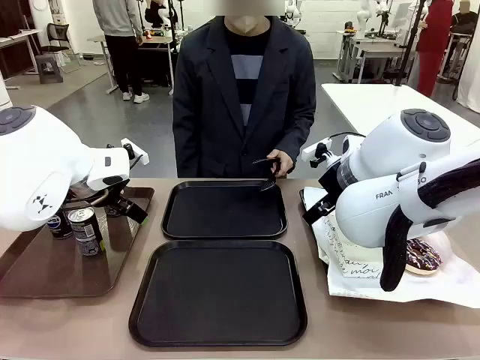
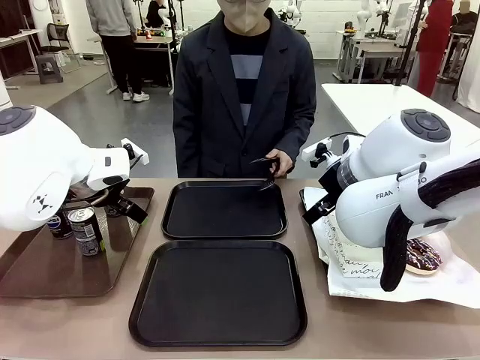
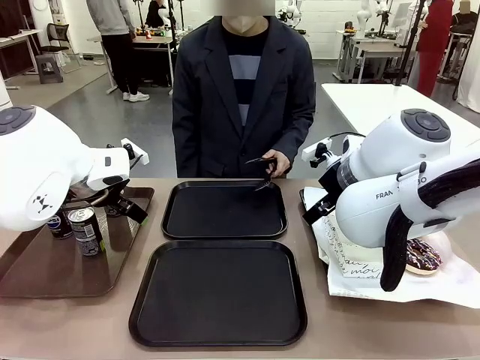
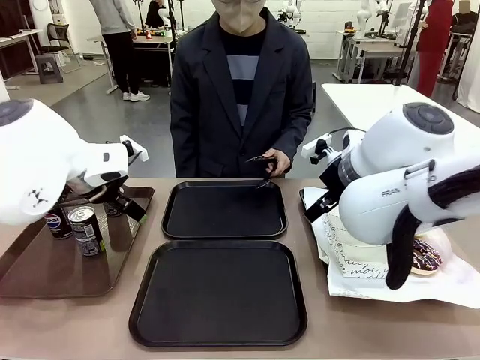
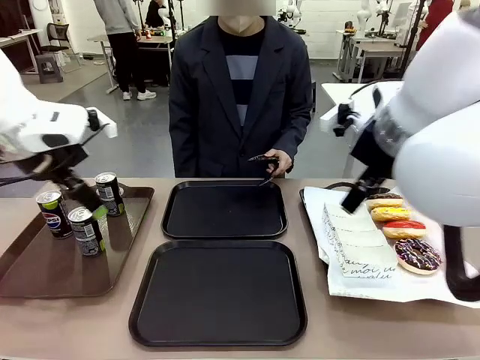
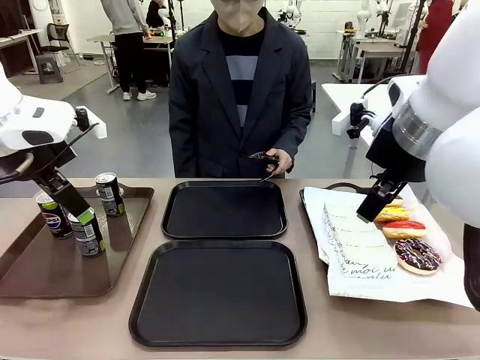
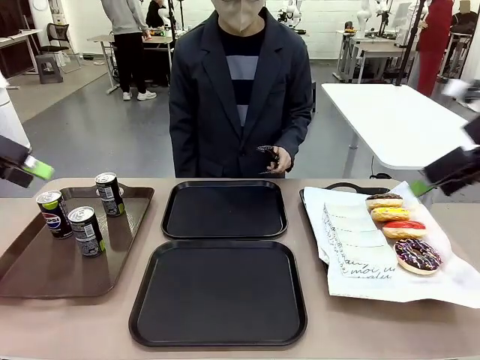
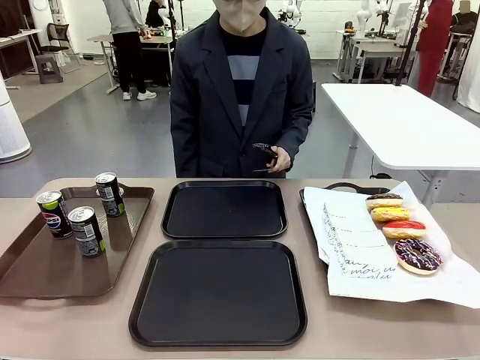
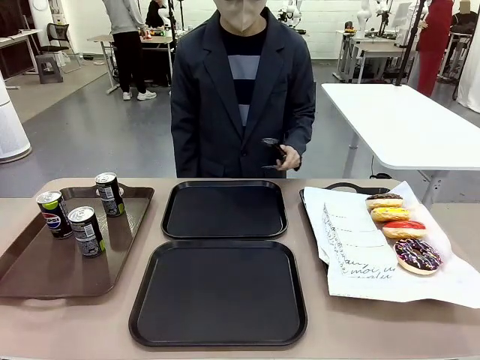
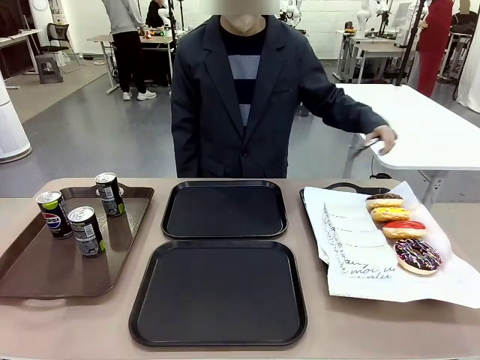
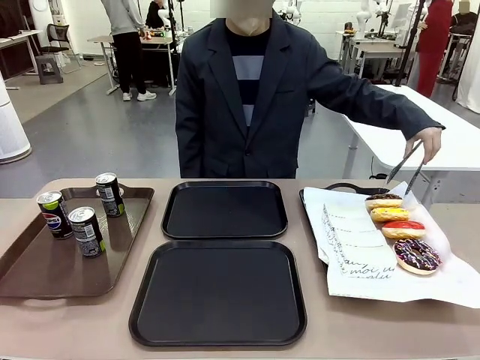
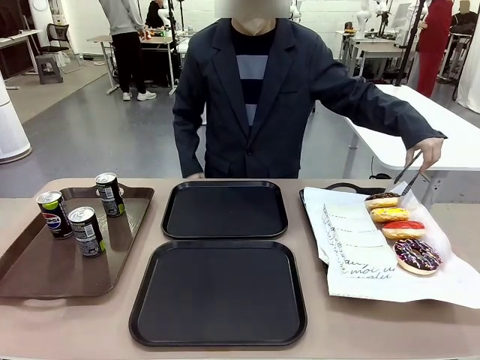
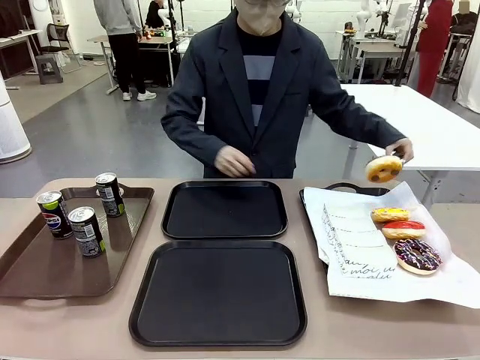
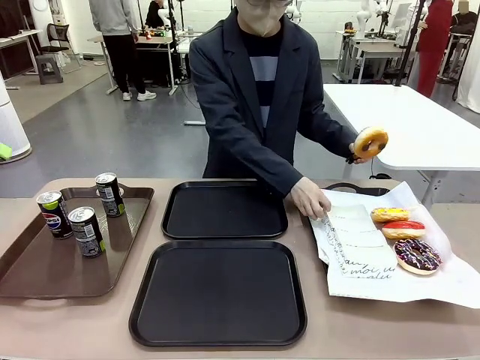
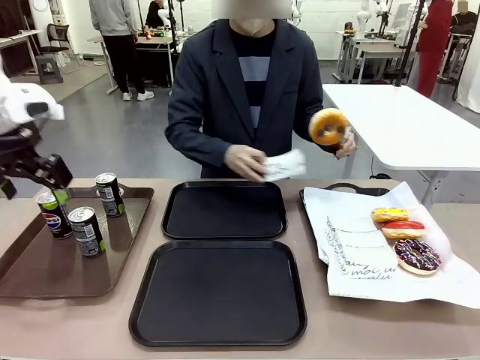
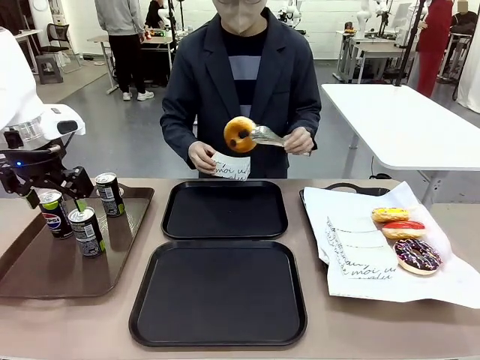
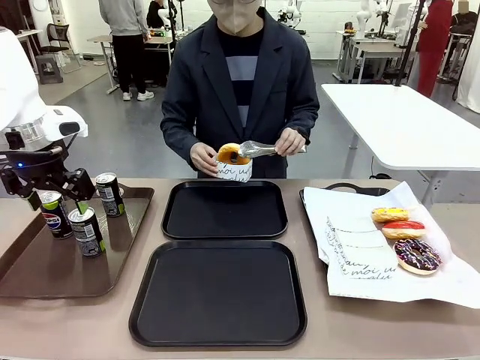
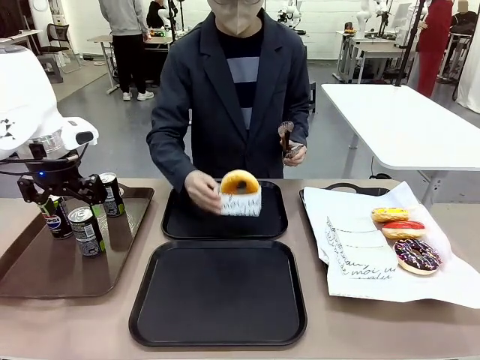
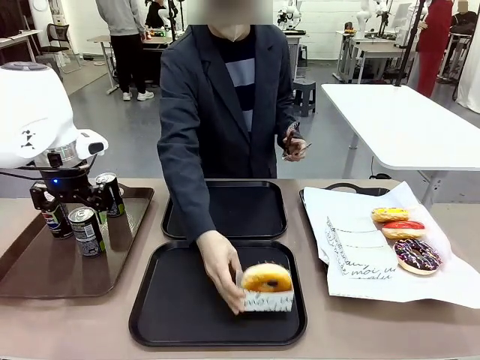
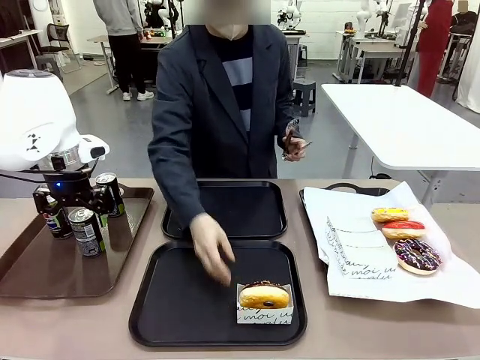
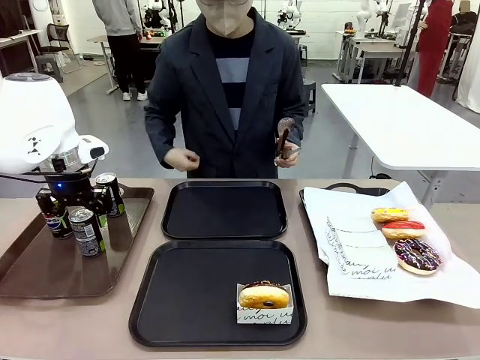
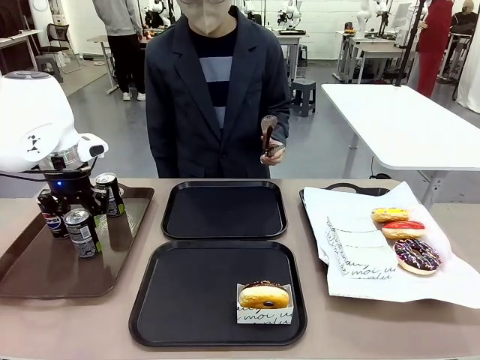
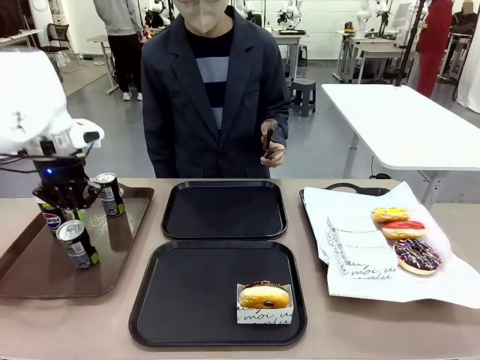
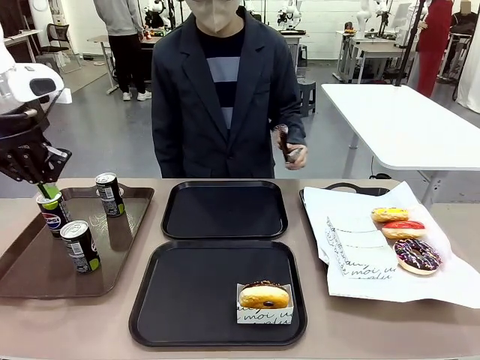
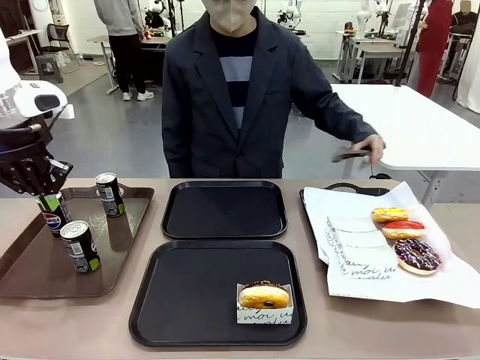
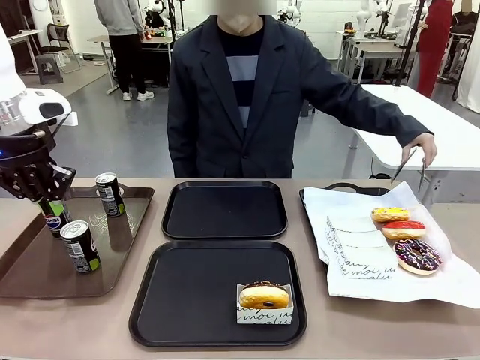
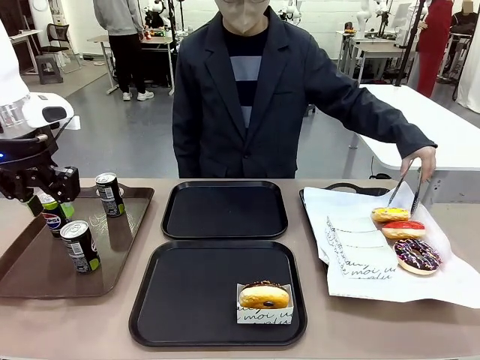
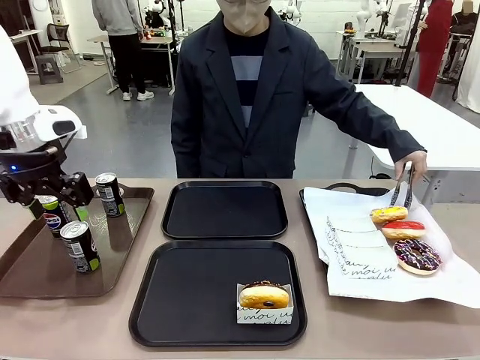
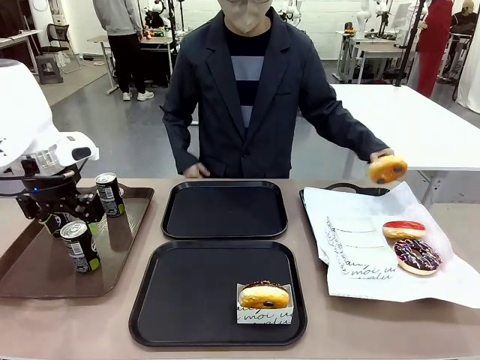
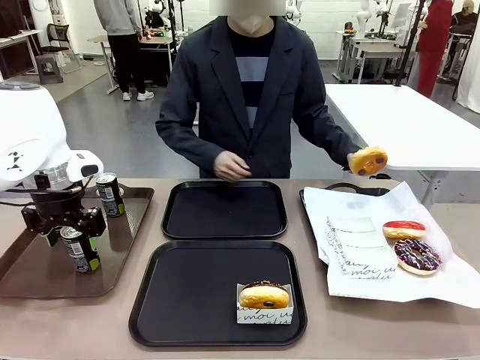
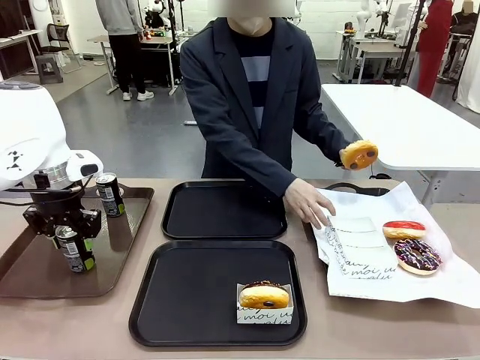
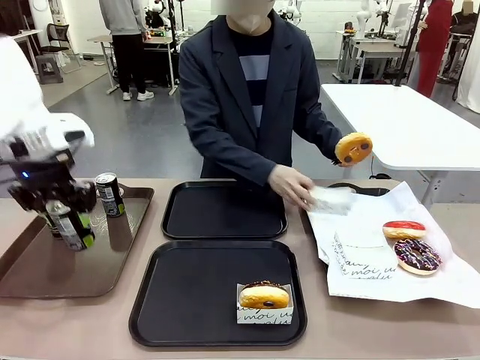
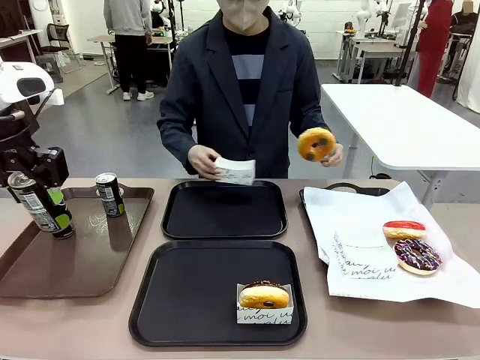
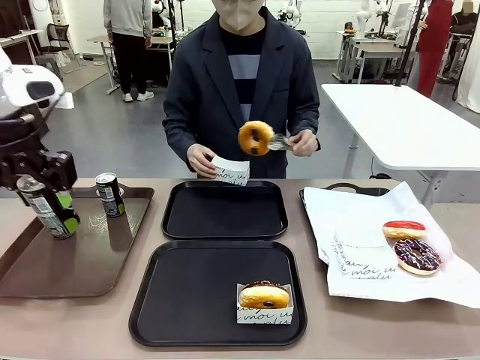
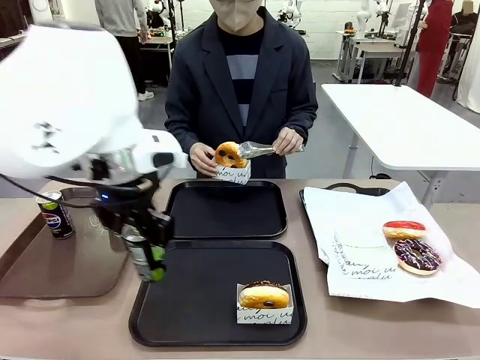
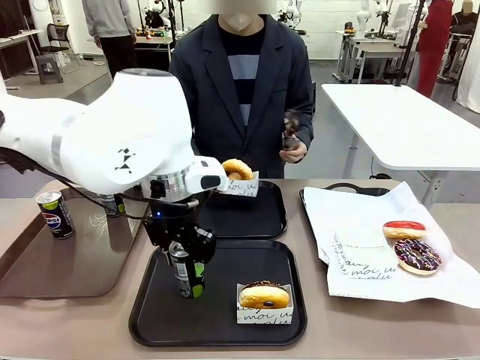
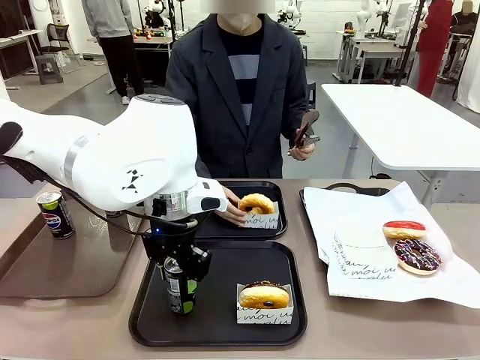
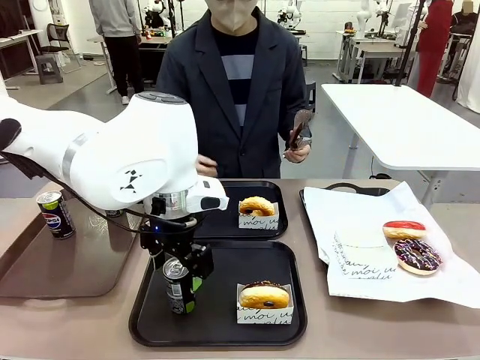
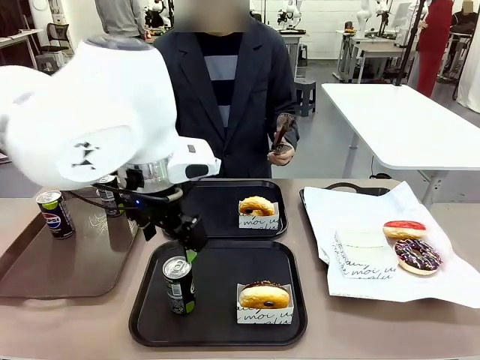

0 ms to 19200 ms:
Task: Set up donuts and drinks on trays.
Robot: Pick up one Pepsi coke and place it on the Flat Tray.
Person: Pick up one donut with tongs, place it in the donut tray, and then place the donut tray on the flat tray.

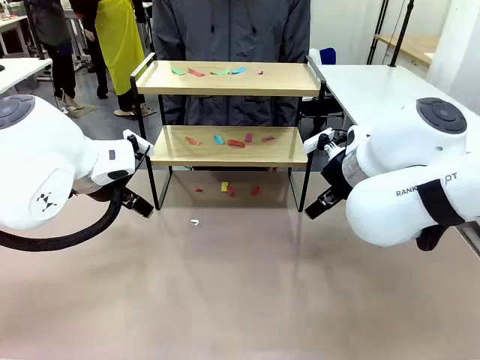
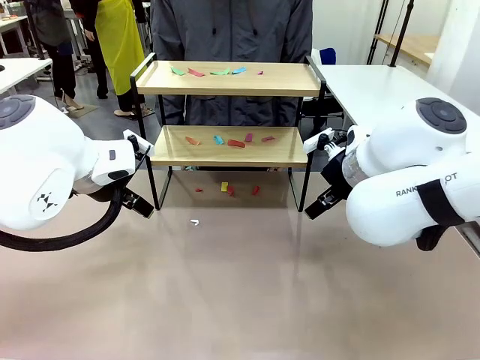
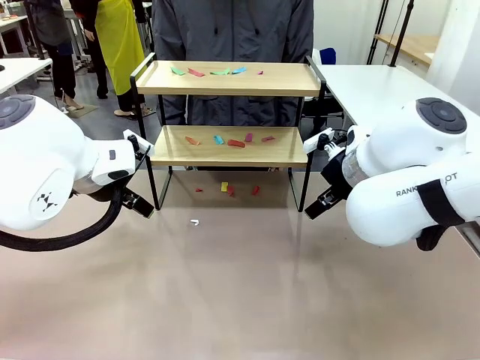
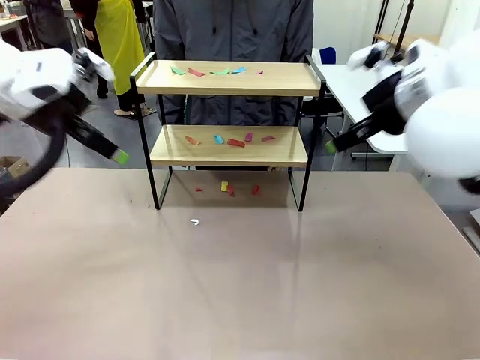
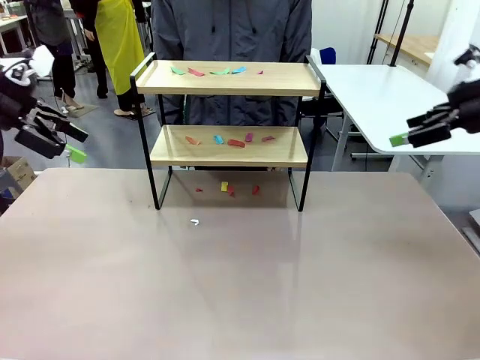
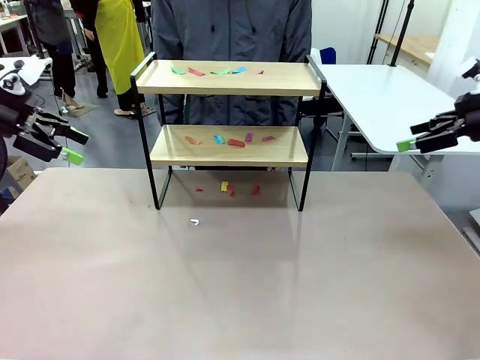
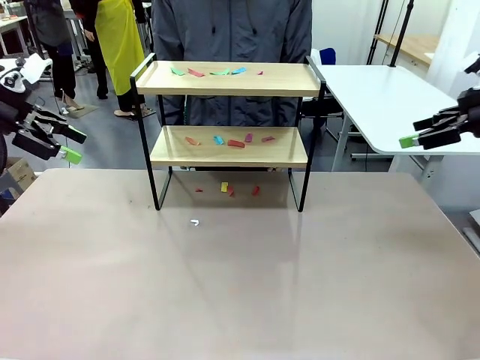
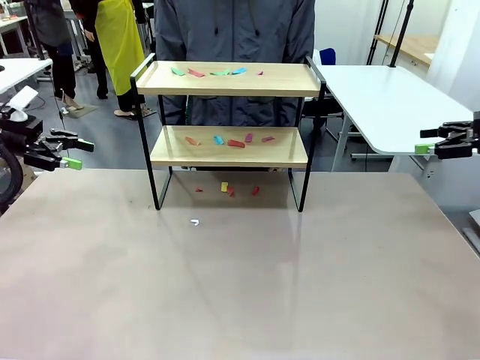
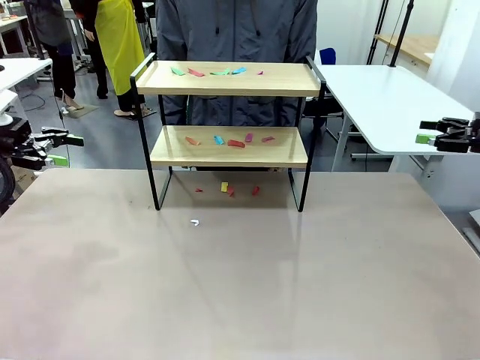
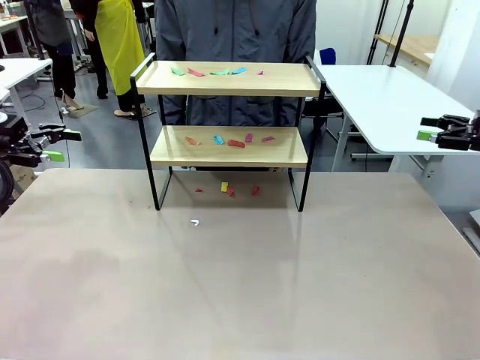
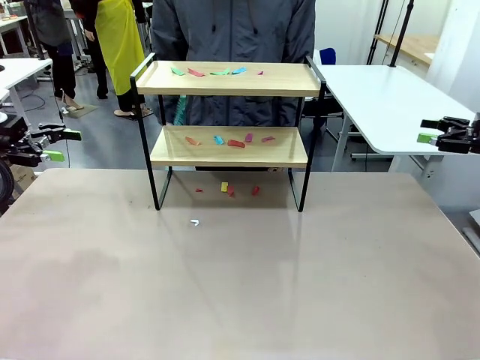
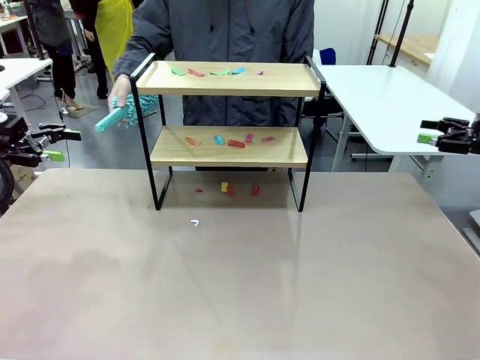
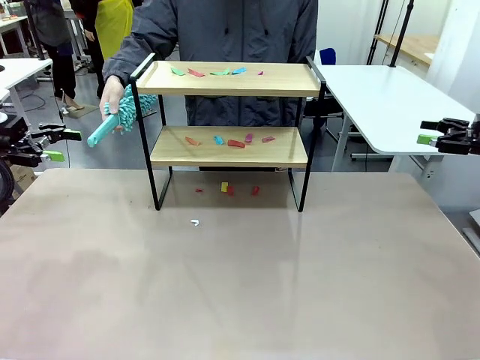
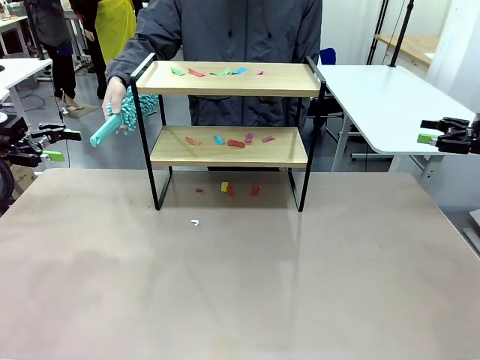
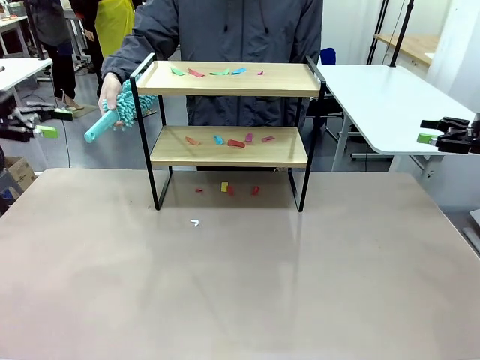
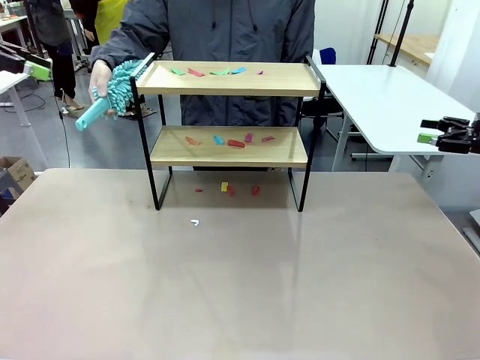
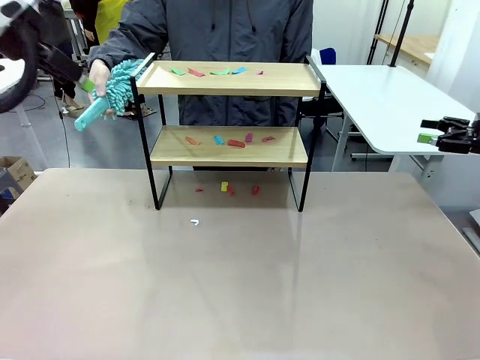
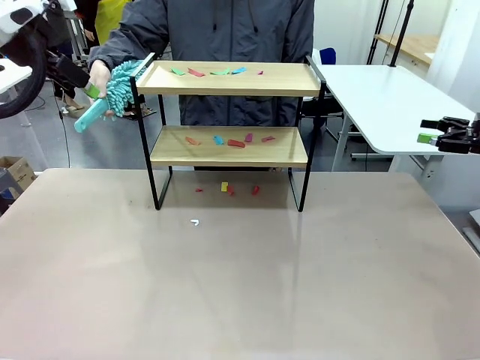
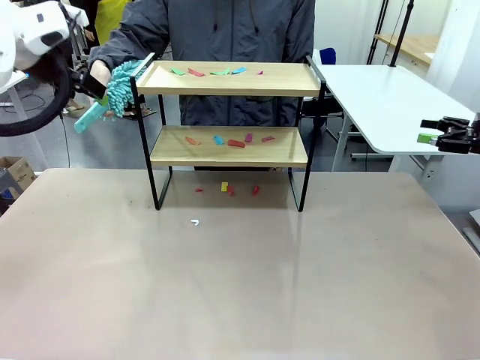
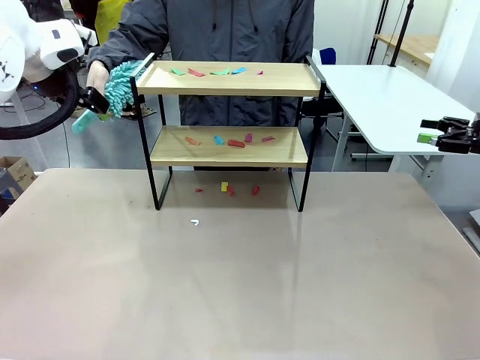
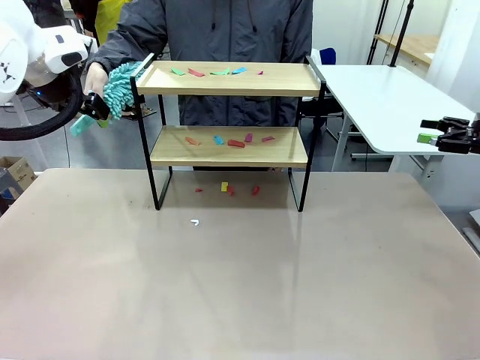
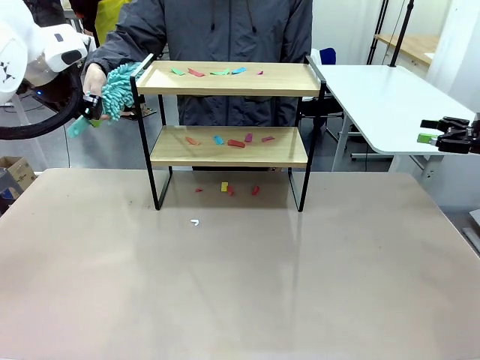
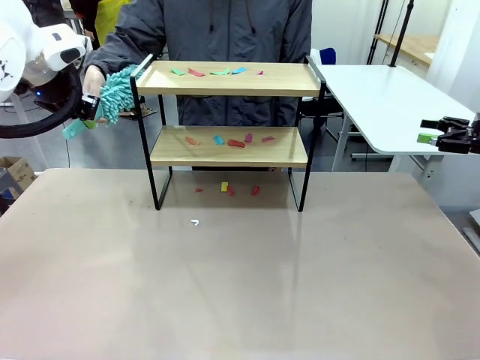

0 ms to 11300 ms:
Task: Clean the shelf.
Robot: Pick up the Duster handed by the human.
Person: Hand the Duster to the robot.
